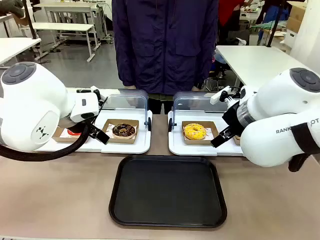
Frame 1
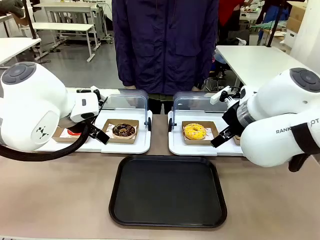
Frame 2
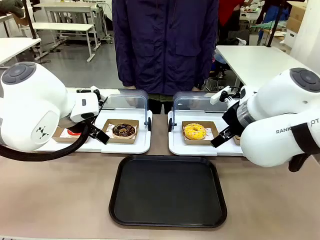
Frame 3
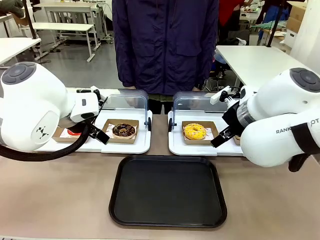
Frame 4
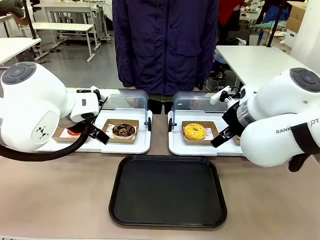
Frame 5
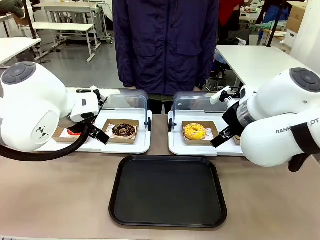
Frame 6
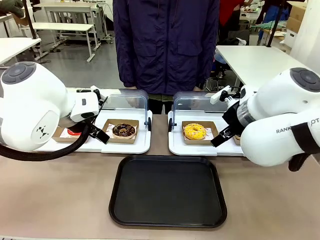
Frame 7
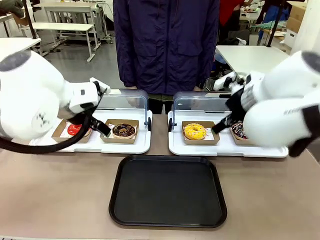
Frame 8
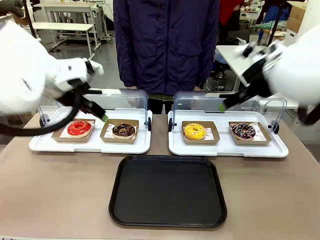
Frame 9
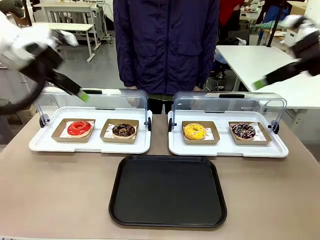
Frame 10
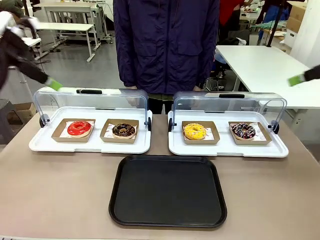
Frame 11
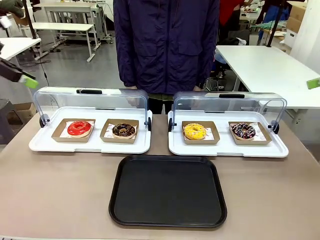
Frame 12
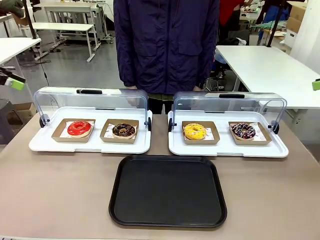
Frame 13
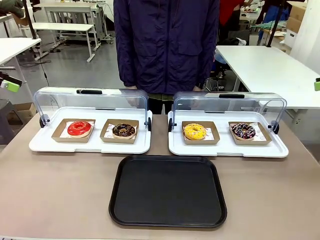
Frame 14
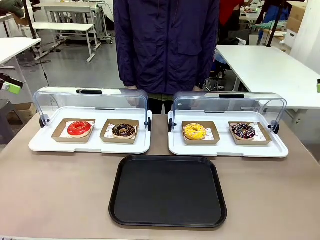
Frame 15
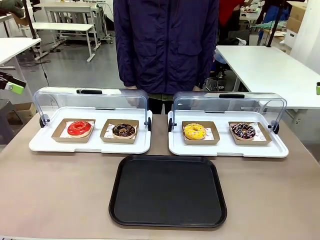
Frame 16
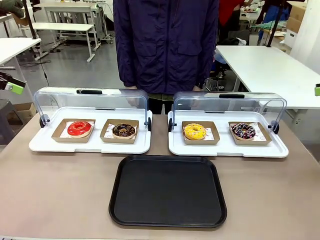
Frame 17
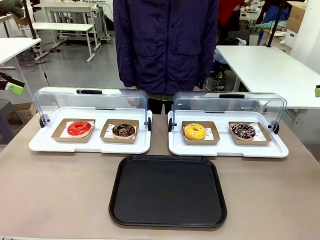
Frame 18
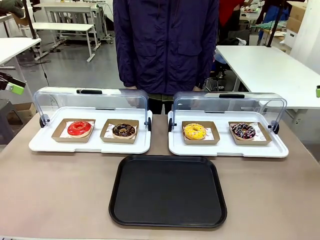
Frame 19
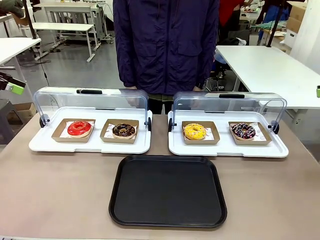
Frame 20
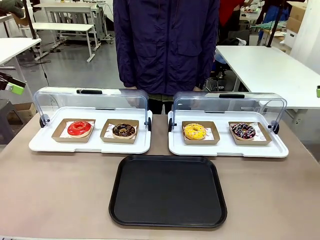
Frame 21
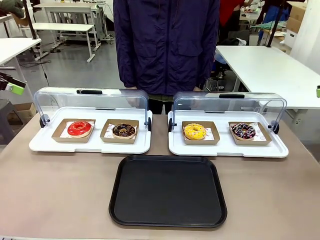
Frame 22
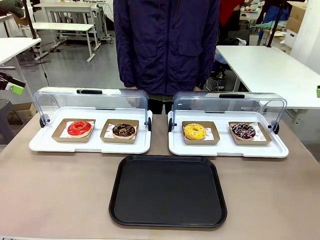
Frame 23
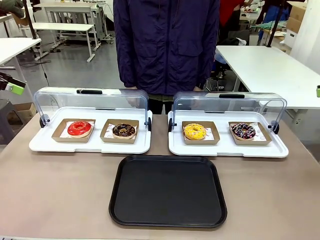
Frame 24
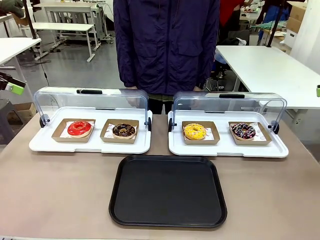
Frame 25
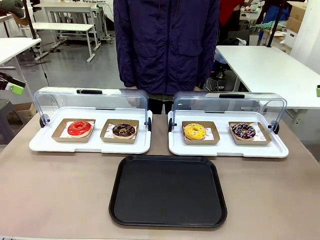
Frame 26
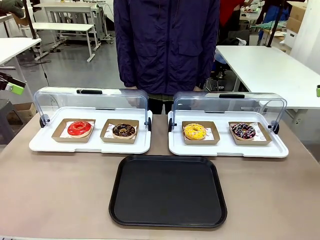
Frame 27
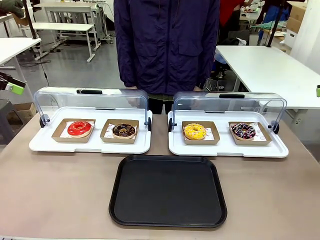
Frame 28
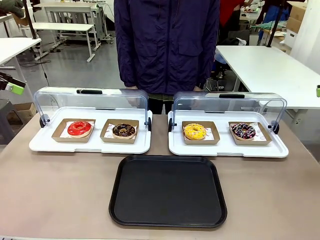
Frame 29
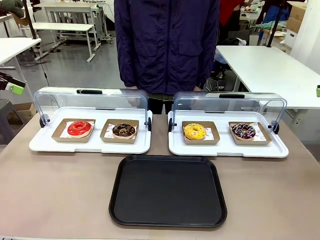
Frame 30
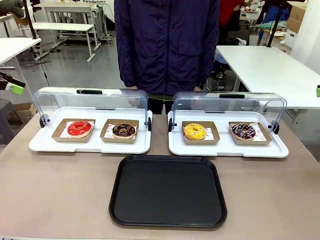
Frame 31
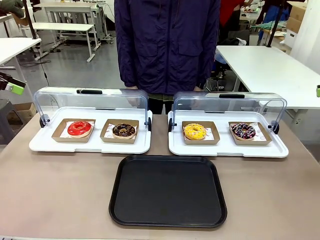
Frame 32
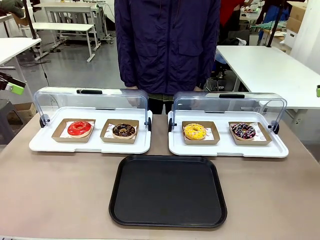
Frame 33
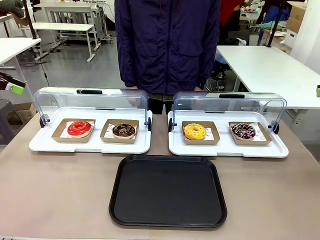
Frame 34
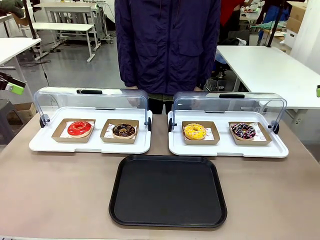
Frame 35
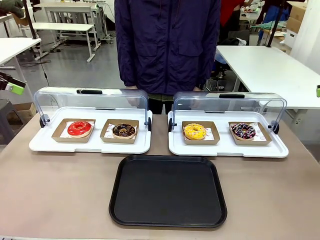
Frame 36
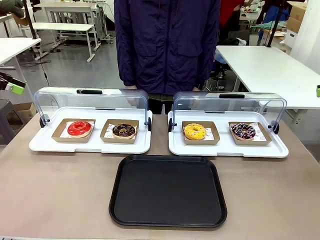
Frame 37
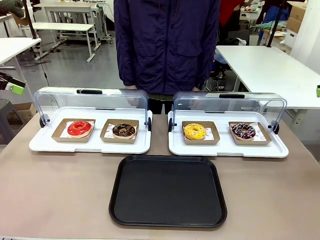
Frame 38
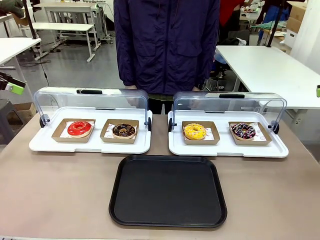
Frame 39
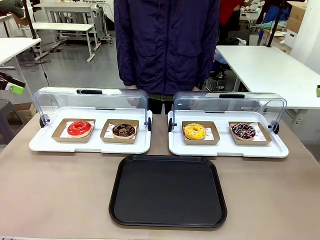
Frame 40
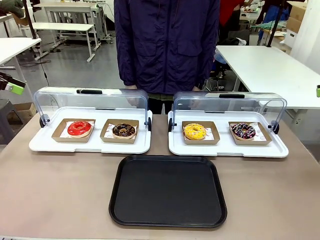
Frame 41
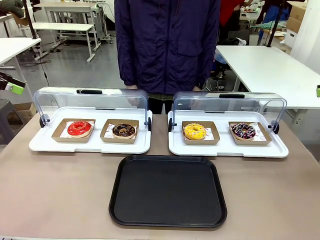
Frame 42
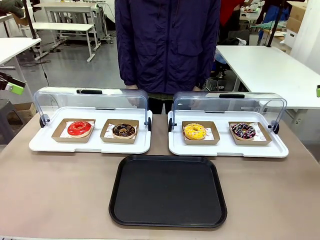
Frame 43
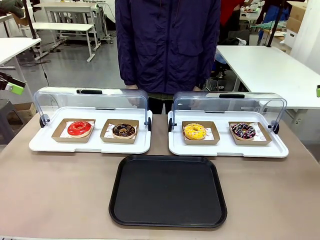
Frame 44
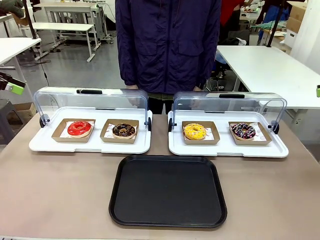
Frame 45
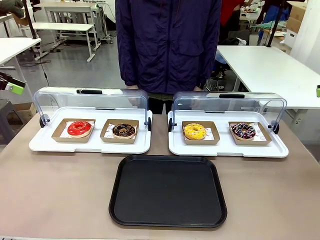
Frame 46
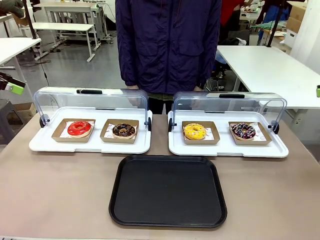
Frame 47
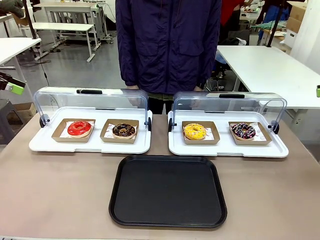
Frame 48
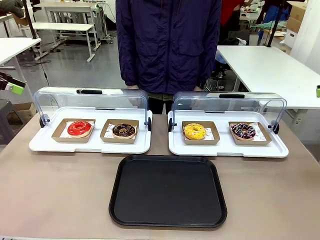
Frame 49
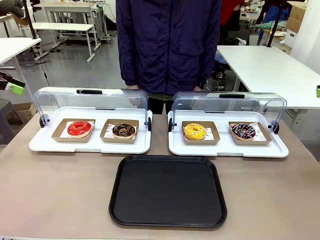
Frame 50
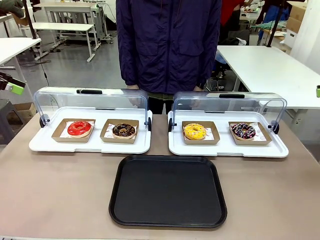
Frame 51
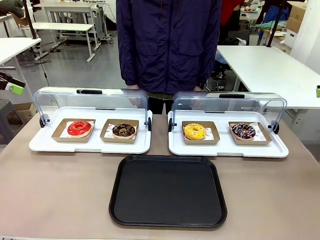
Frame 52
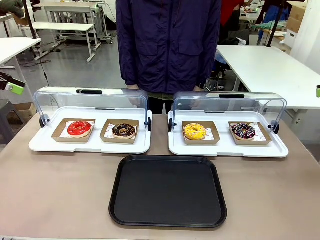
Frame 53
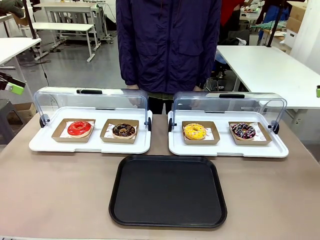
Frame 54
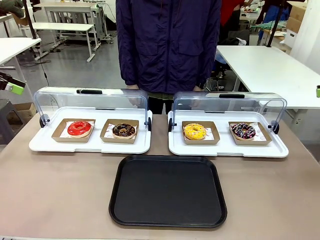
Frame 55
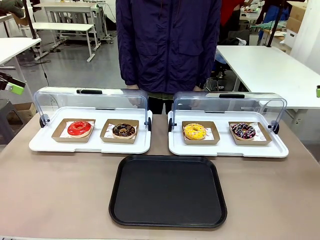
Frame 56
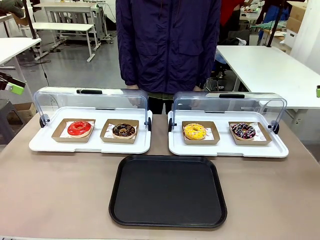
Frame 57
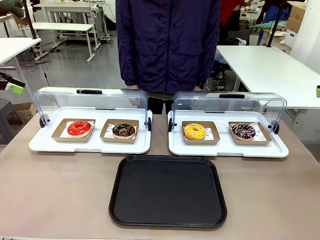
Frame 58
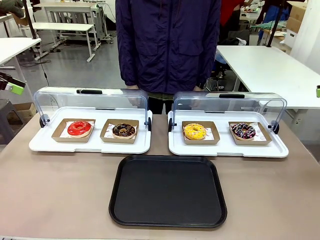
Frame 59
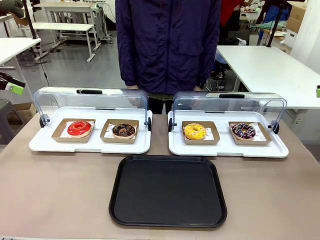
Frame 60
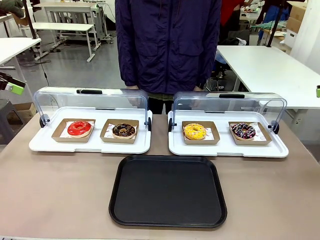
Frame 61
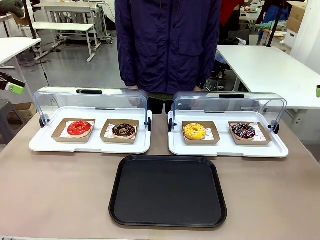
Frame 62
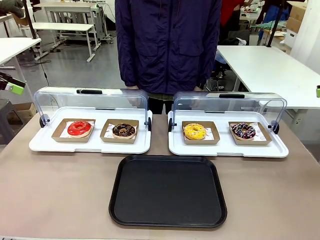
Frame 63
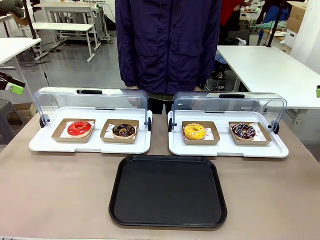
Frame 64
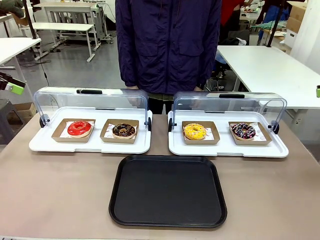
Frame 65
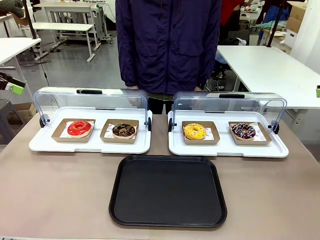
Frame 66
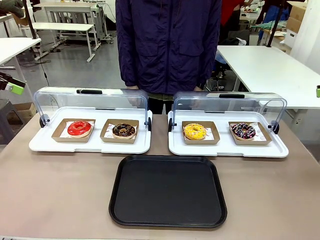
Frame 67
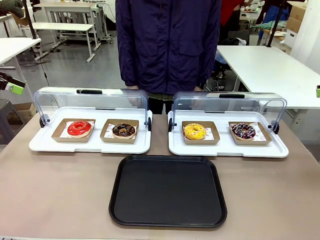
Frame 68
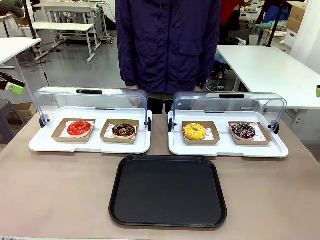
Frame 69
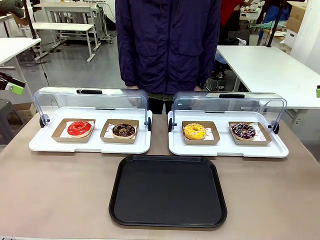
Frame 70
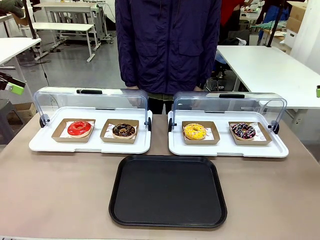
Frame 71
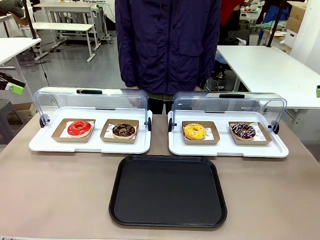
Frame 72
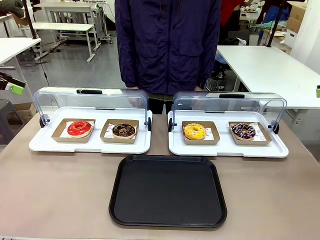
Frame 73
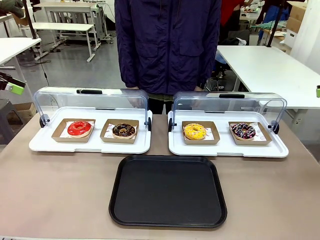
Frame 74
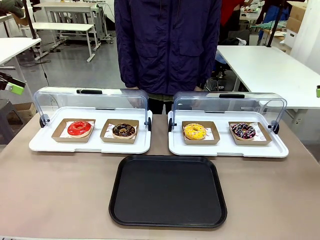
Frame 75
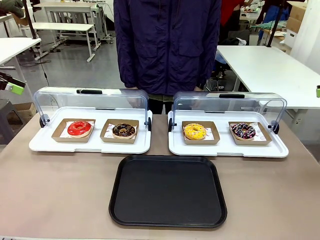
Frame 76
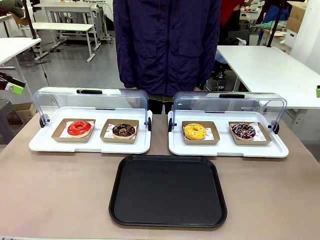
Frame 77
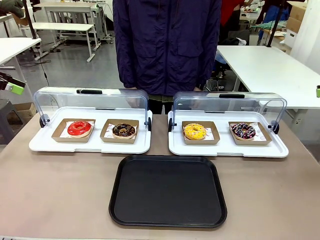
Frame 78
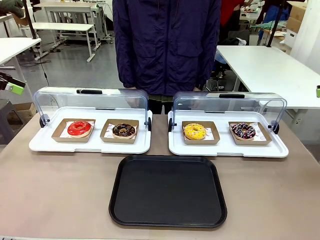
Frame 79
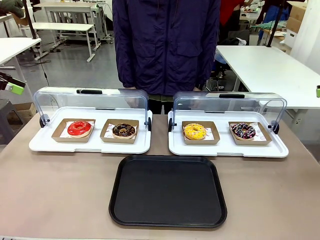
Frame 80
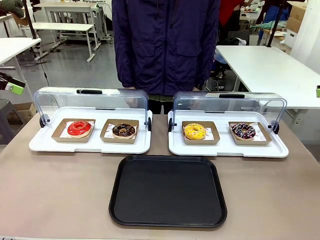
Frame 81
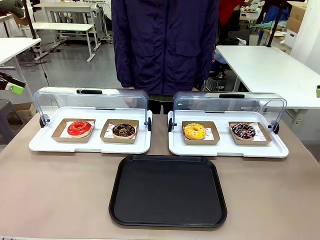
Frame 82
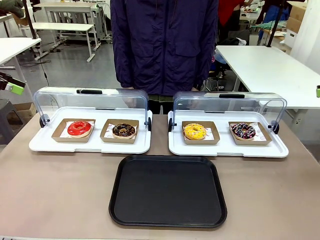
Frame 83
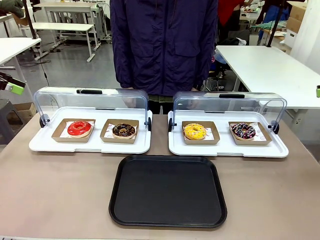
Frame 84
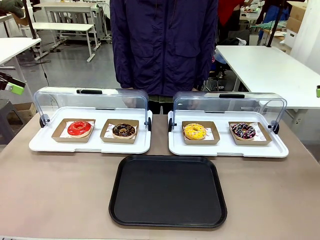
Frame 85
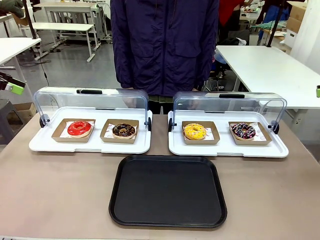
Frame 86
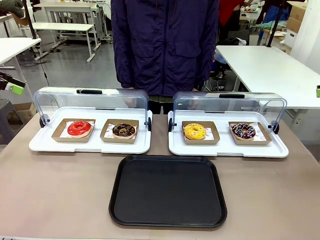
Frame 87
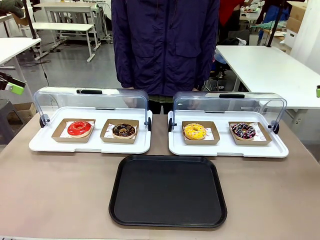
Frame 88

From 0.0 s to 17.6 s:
Task: Move the second donut from the left to the tray.
Robot: Pick up the Paper togo box containing the Donut indicated by the person and place it on the Handle tray.
